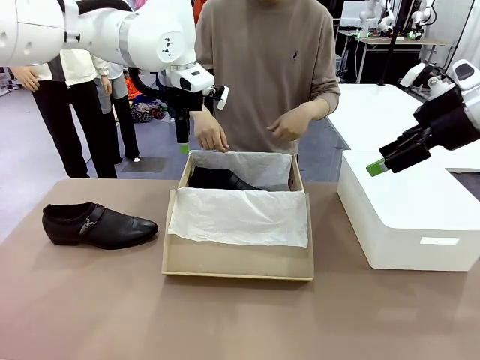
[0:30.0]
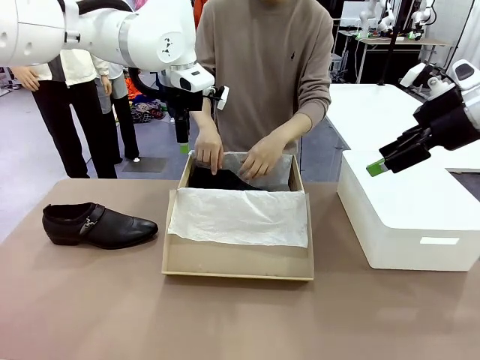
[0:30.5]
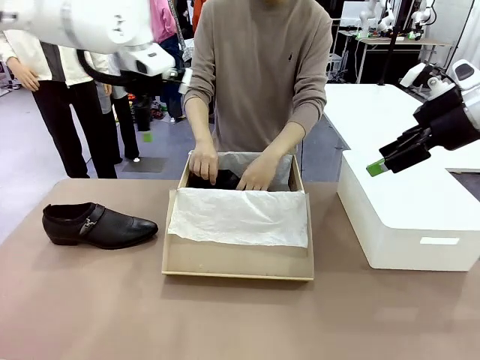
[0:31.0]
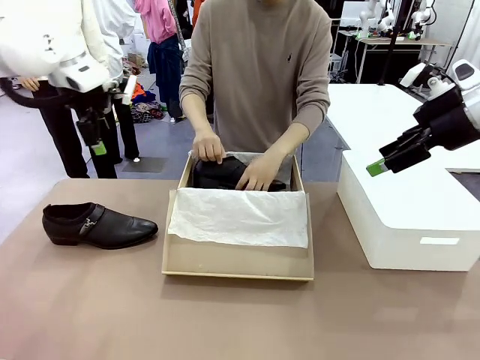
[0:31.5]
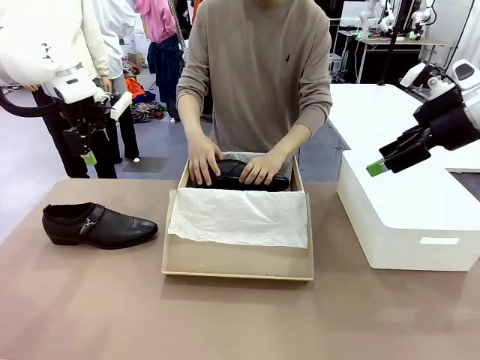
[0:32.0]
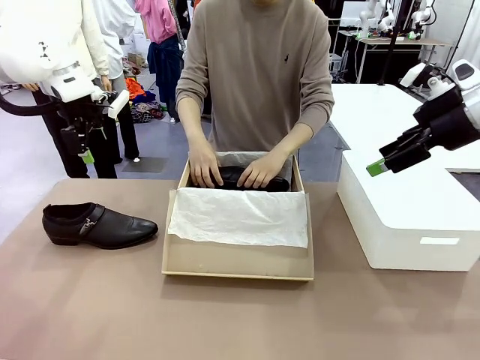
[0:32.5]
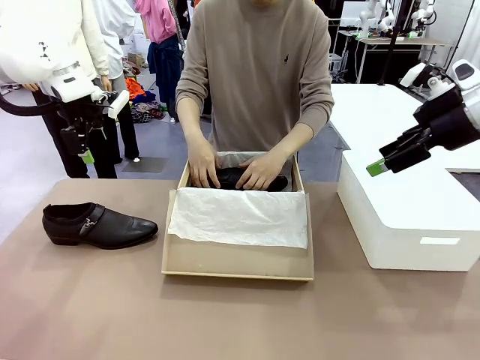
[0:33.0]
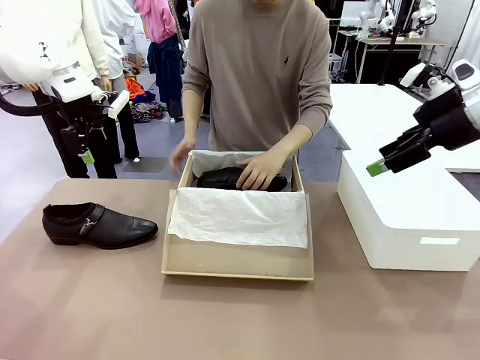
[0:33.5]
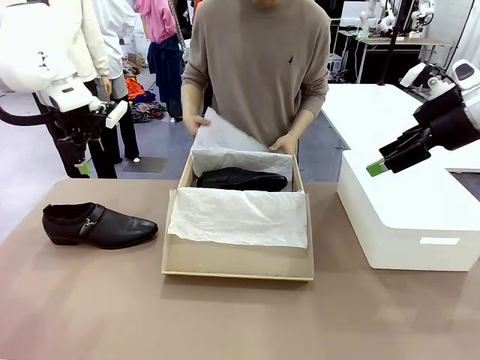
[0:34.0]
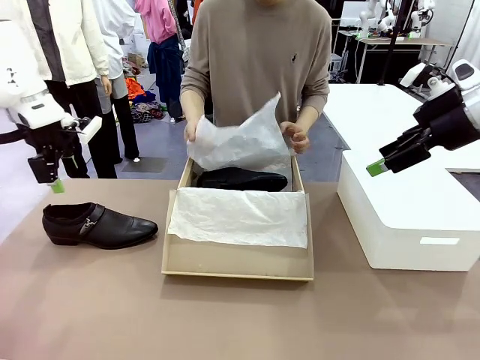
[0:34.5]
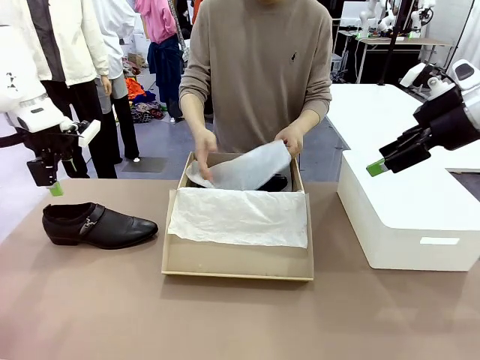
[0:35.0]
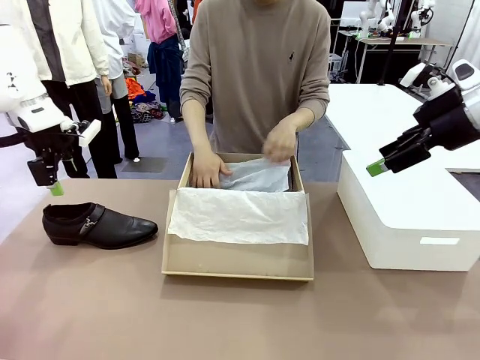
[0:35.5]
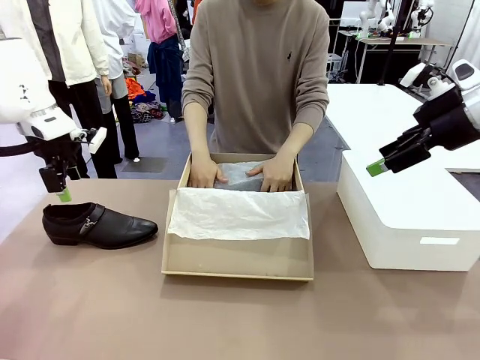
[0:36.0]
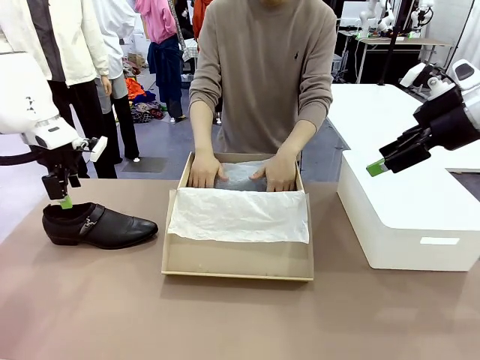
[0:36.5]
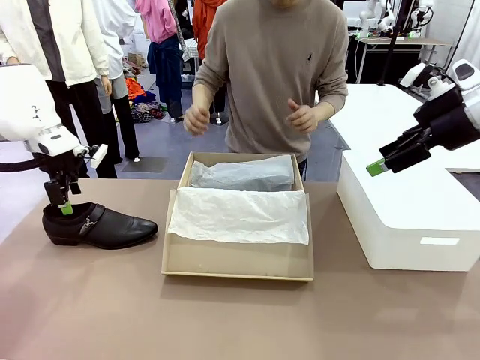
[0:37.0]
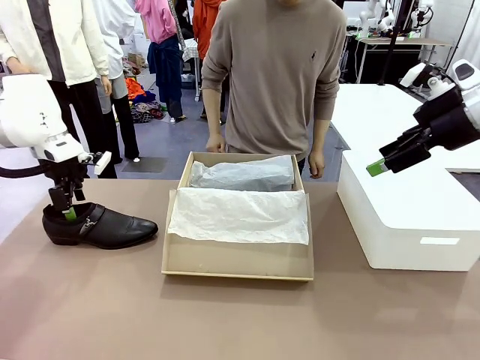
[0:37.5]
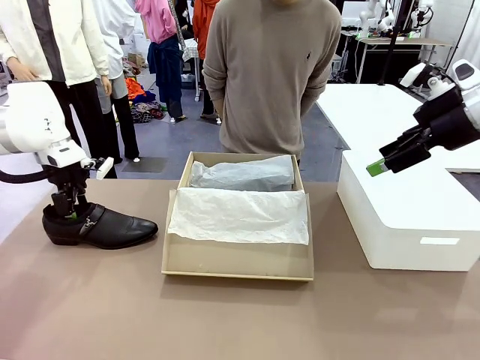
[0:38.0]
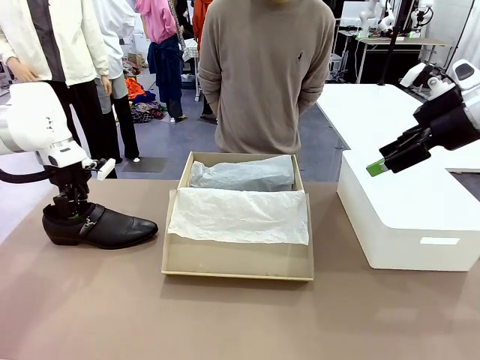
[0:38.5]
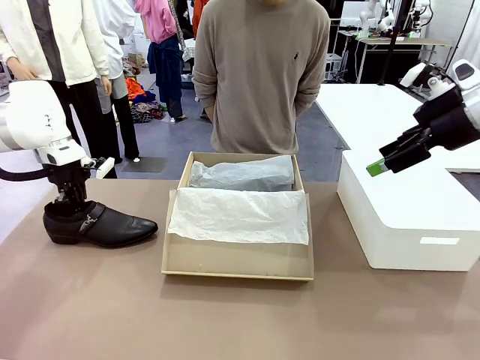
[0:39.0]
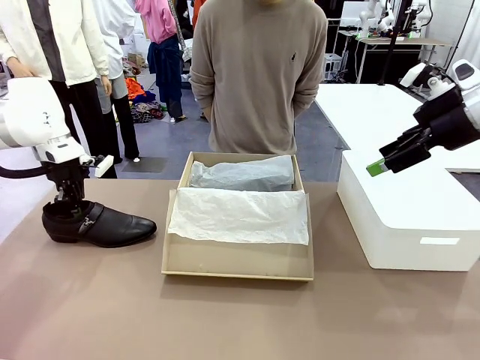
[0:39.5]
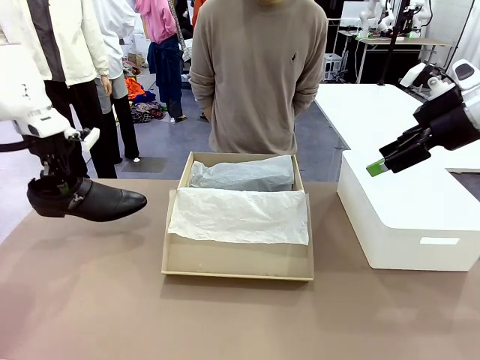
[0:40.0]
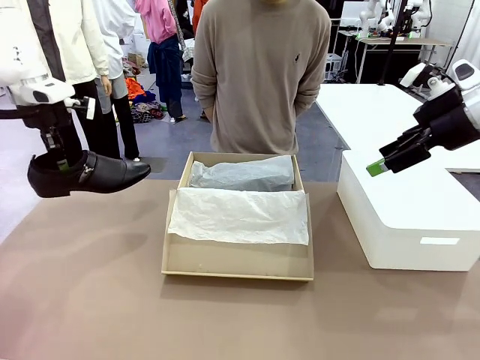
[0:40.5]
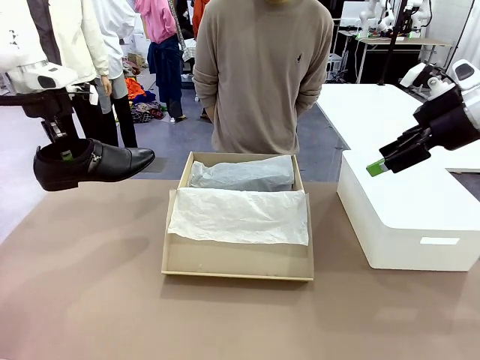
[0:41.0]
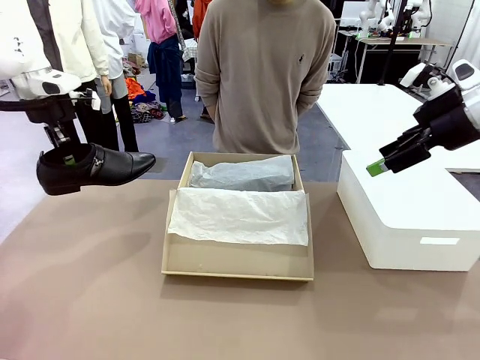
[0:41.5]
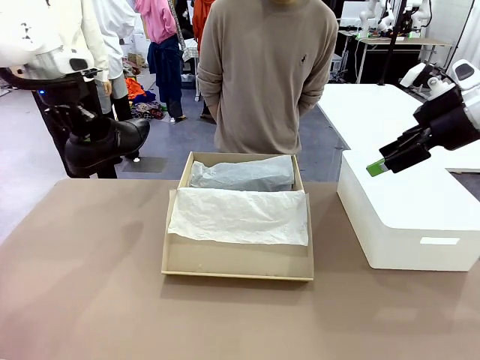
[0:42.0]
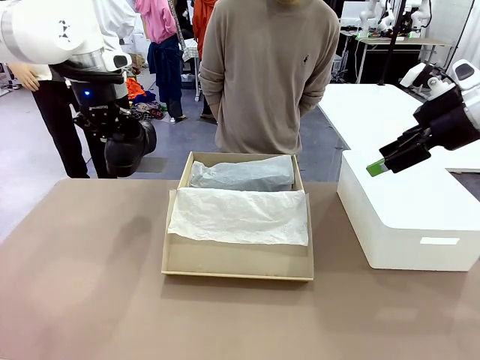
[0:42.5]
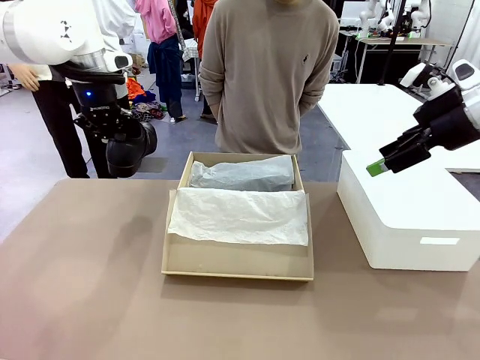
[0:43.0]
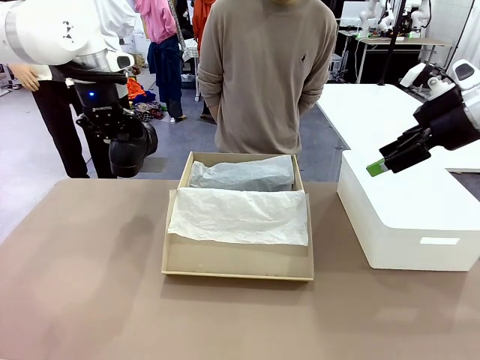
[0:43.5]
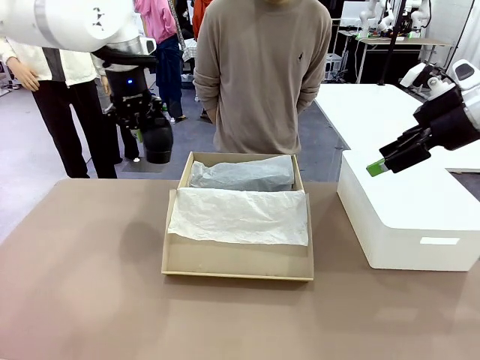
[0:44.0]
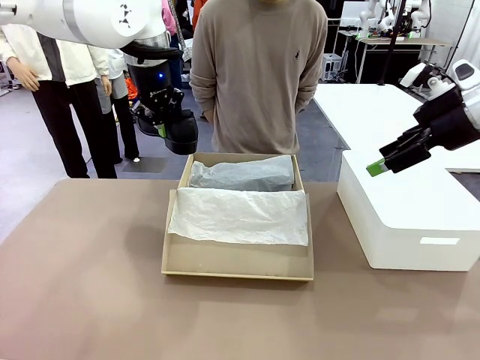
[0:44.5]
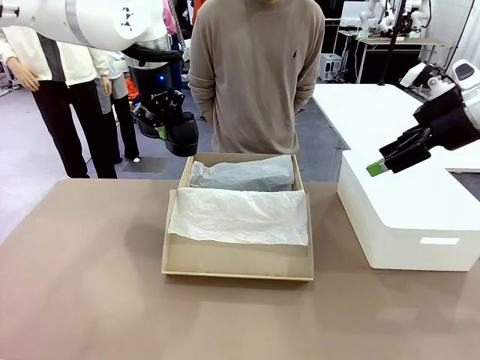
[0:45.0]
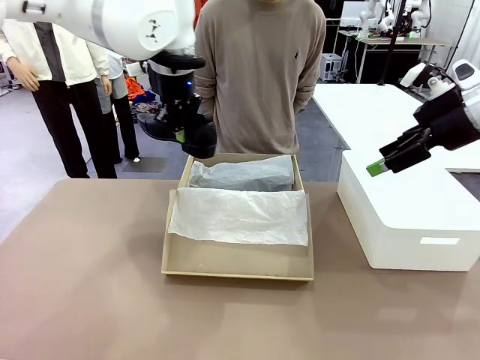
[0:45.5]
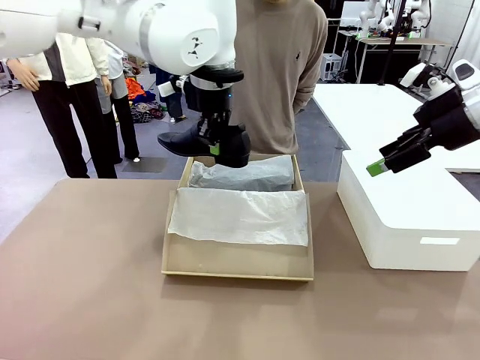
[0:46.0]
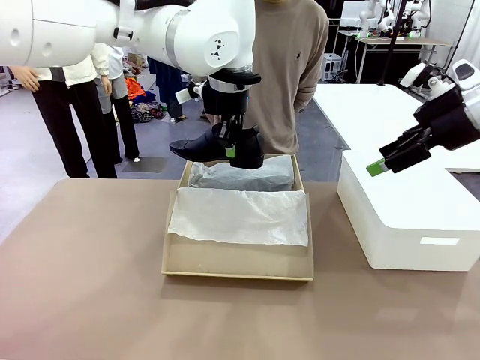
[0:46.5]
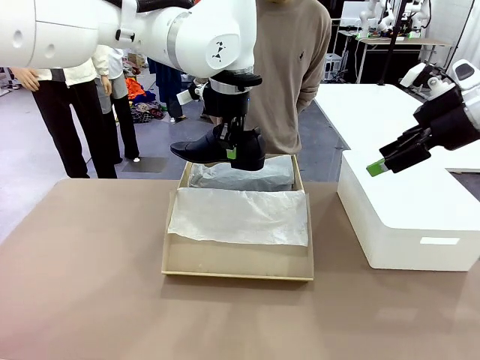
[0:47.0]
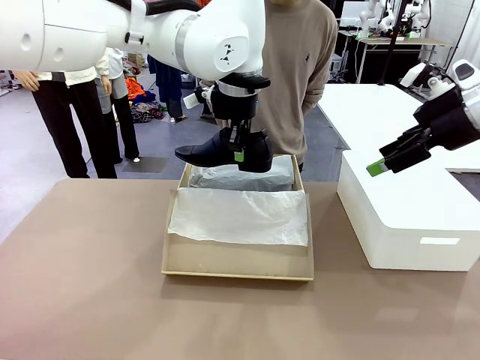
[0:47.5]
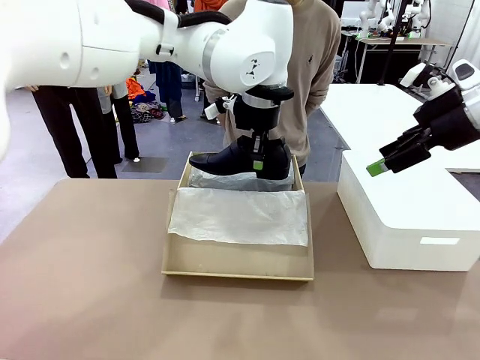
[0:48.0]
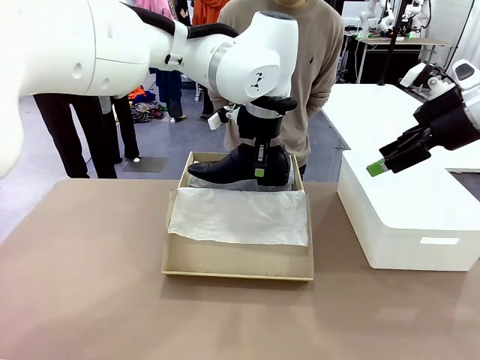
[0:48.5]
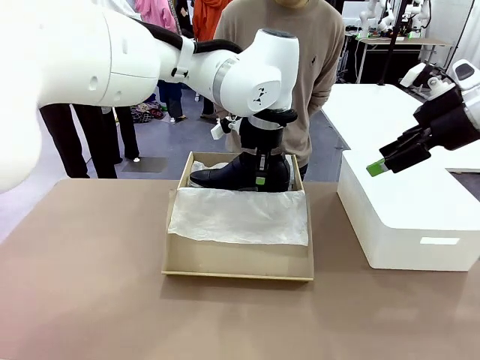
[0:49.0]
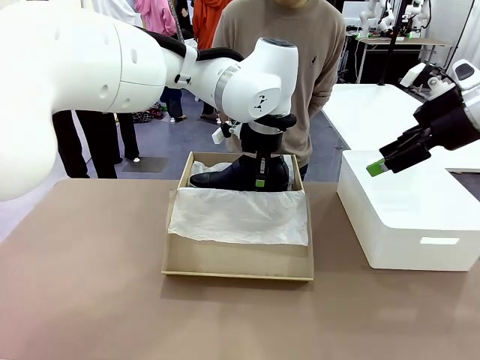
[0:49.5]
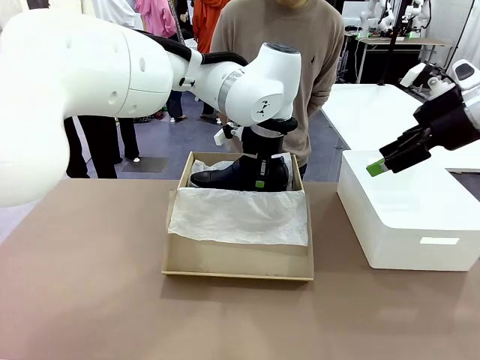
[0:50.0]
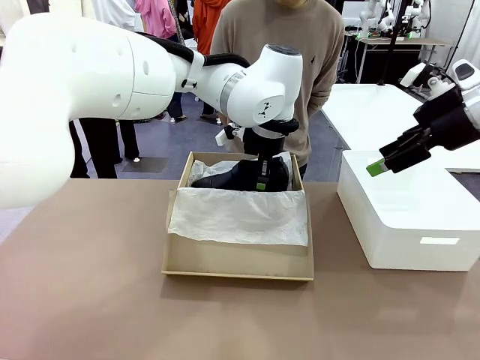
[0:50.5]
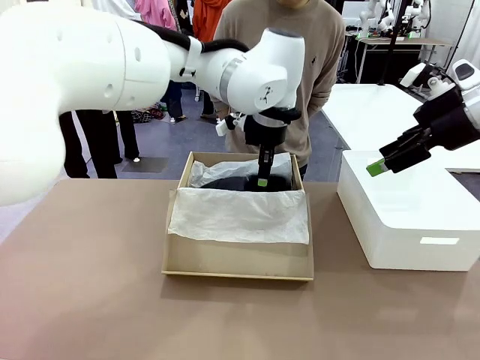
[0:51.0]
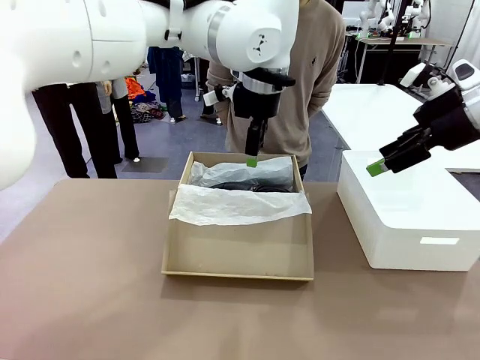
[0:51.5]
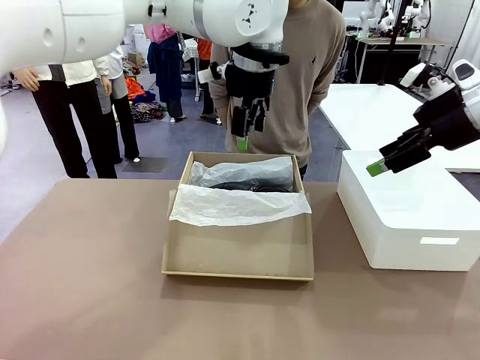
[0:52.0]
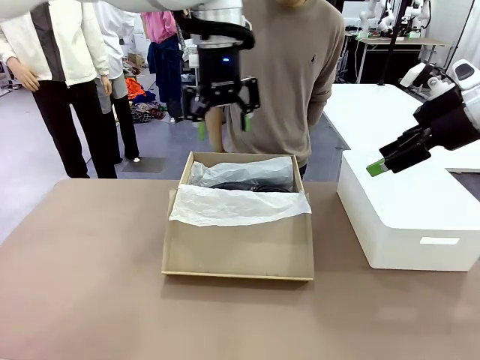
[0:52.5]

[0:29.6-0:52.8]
Task: Pack the shoes into the box.
Robot: Place the other shoe of the Shoes into the Shoes Box.
Person: Pack a shoe of Shoes inside the Shoes Box with Shoes Wrapping Paper.

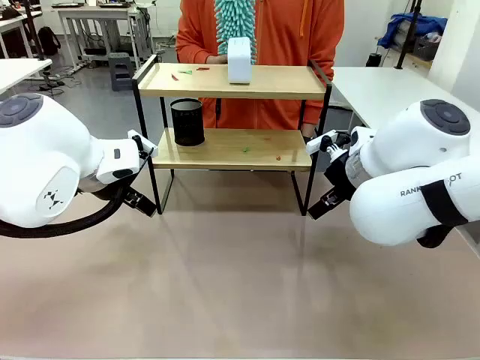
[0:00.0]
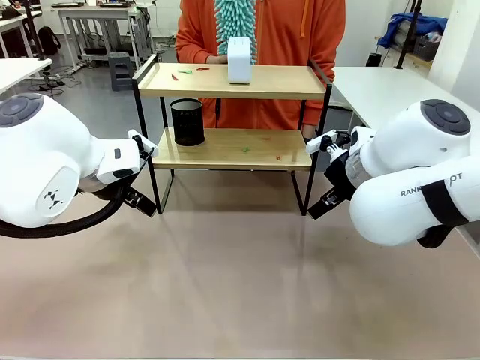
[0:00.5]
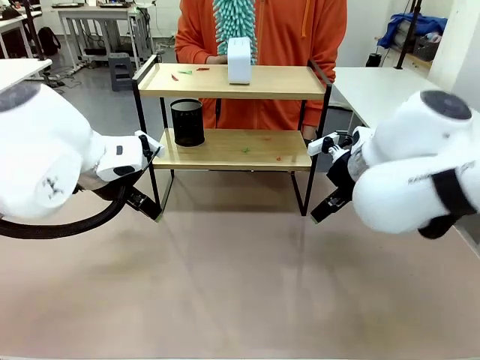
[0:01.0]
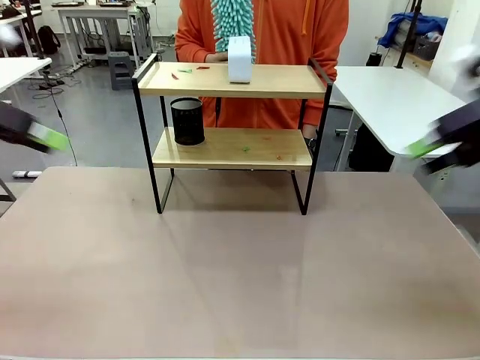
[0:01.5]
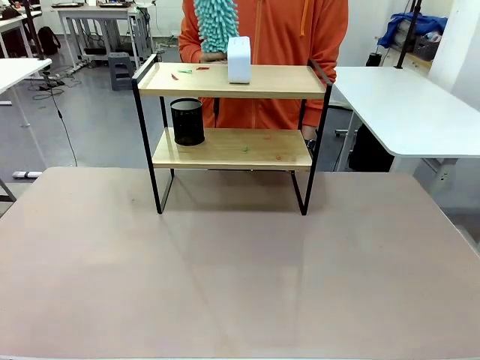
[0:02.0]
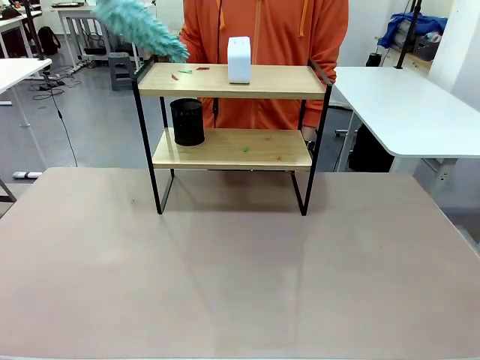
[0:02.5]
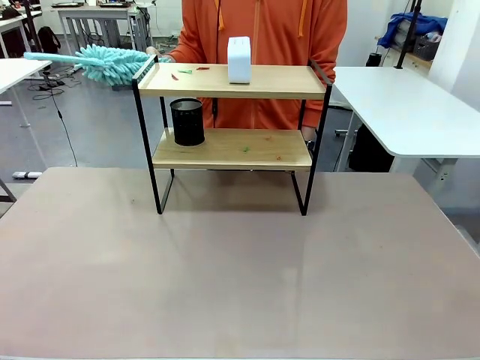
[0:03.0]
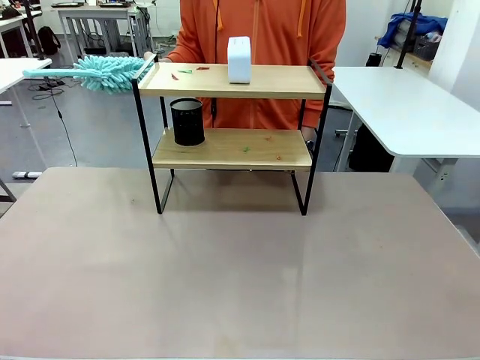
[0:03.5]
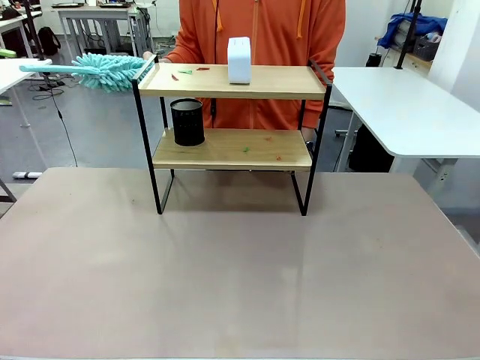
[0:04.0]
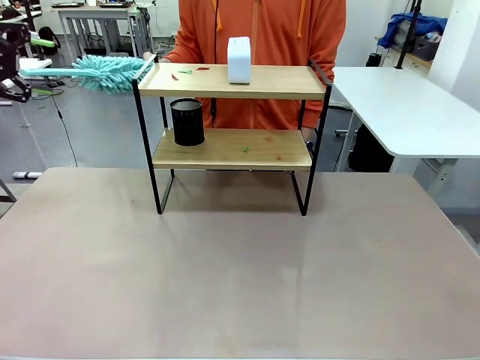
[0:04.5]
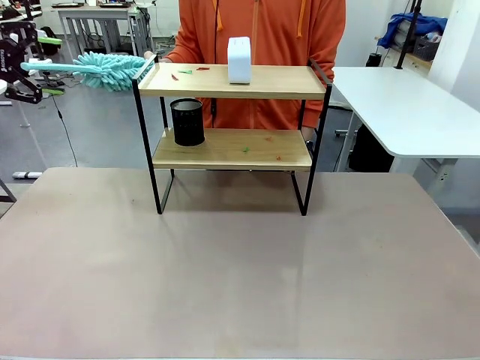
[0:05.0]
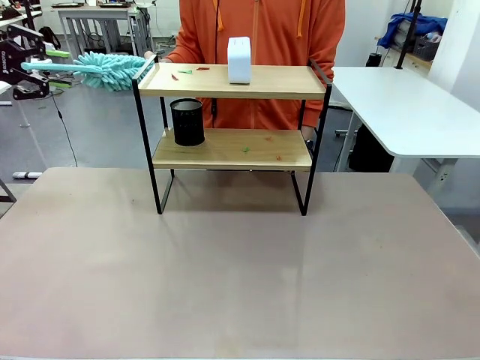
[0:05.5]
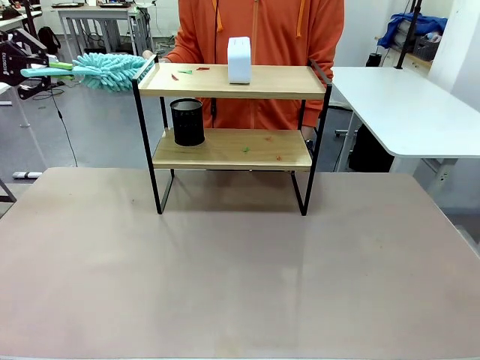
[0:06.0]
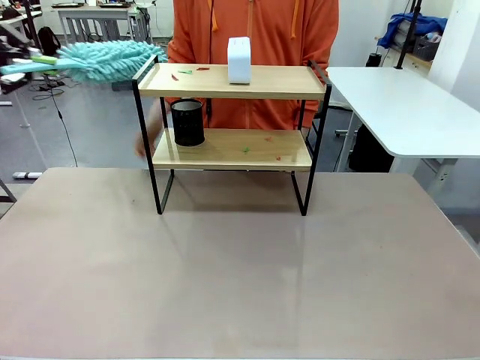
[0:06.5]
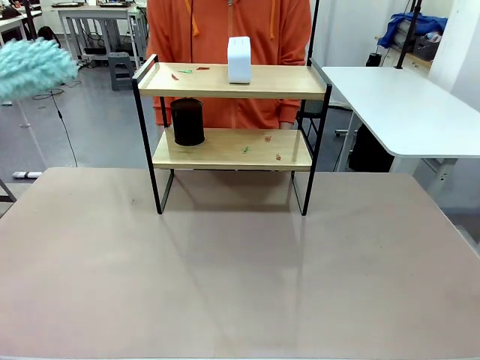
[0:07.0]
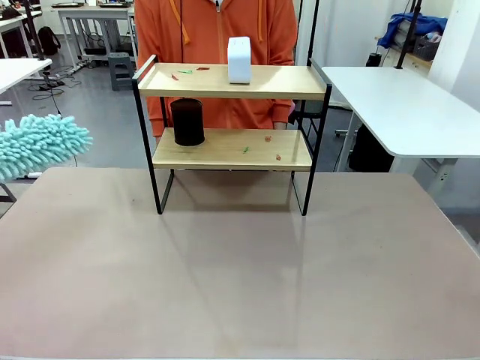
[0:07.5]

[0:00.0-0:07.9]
Task: Clean the shelf.
Robot: Pick up the Duster from the human.
Person: Hand the Duster to the robot.
